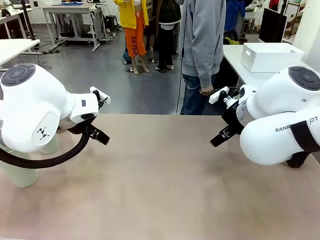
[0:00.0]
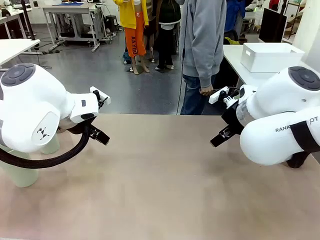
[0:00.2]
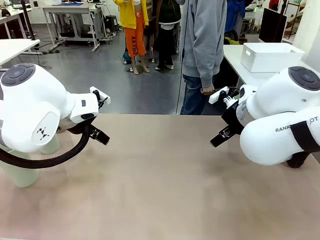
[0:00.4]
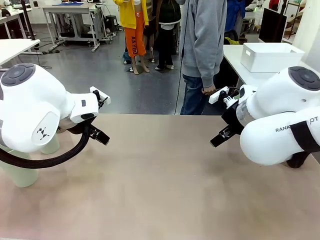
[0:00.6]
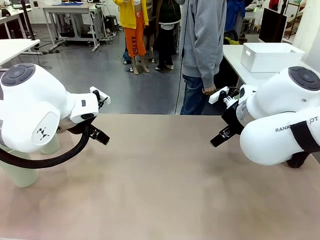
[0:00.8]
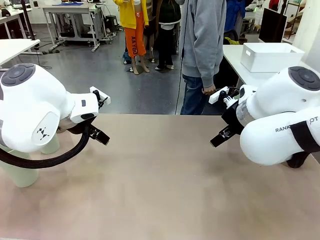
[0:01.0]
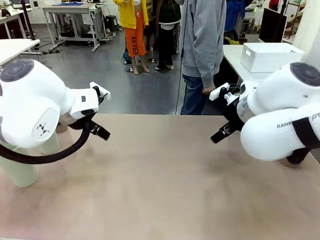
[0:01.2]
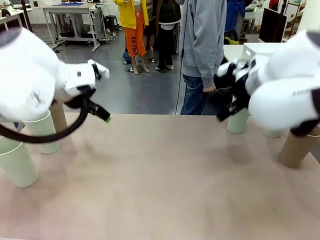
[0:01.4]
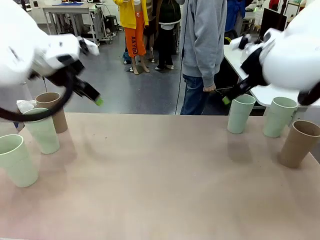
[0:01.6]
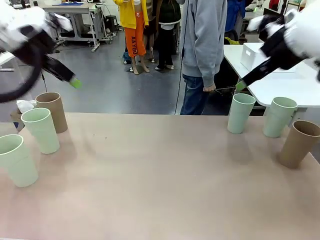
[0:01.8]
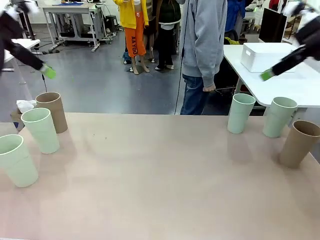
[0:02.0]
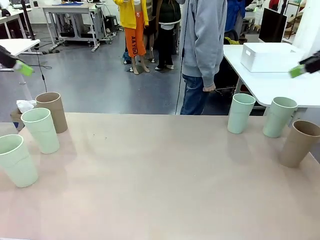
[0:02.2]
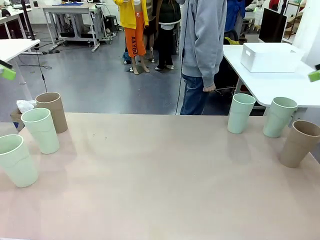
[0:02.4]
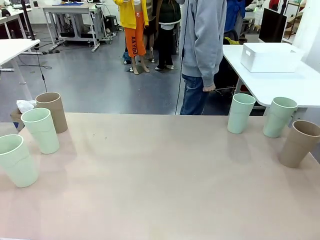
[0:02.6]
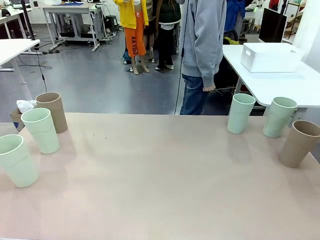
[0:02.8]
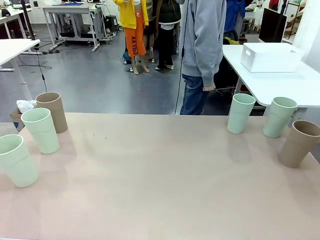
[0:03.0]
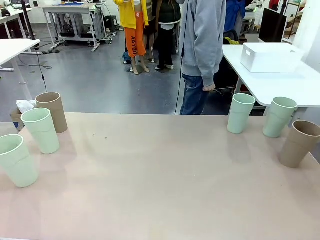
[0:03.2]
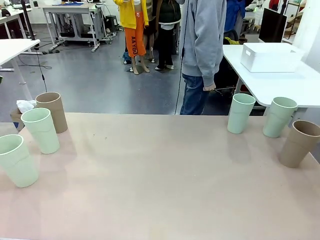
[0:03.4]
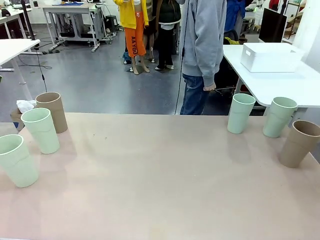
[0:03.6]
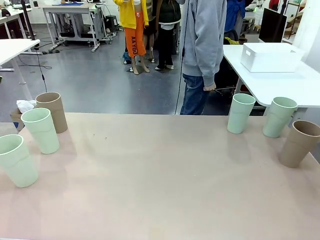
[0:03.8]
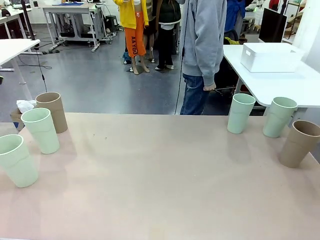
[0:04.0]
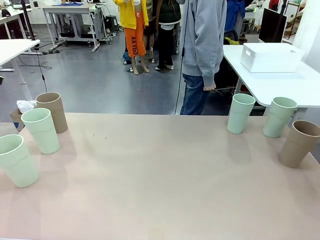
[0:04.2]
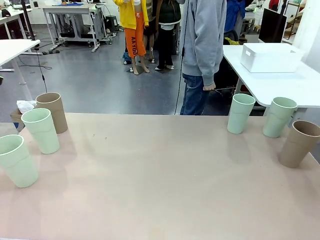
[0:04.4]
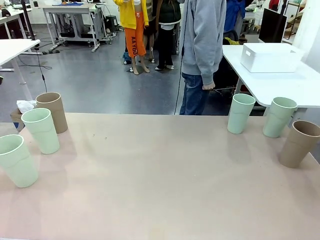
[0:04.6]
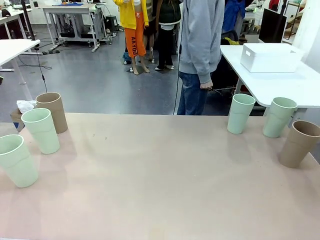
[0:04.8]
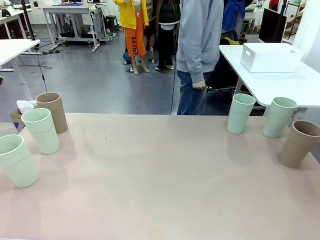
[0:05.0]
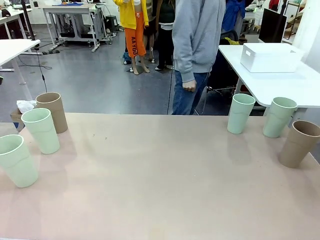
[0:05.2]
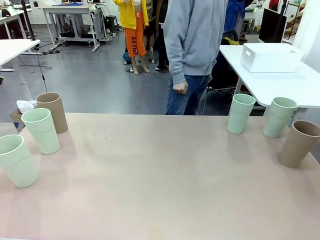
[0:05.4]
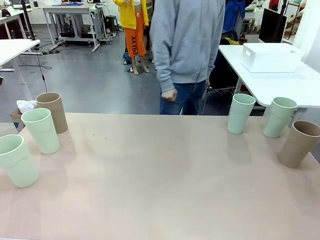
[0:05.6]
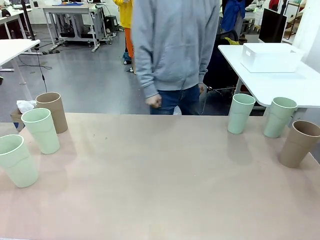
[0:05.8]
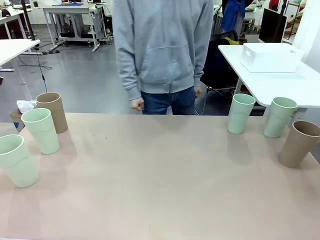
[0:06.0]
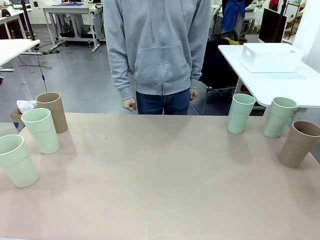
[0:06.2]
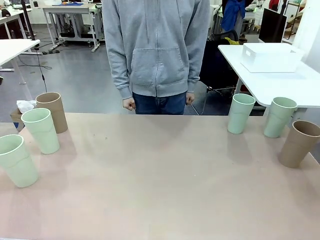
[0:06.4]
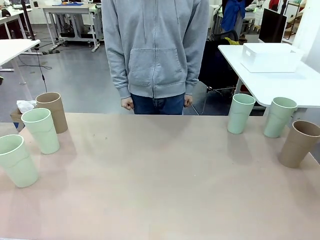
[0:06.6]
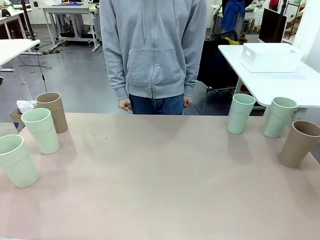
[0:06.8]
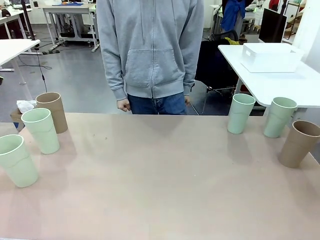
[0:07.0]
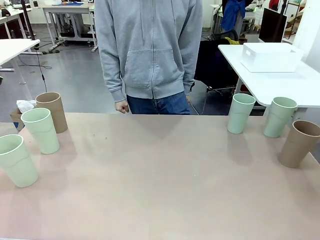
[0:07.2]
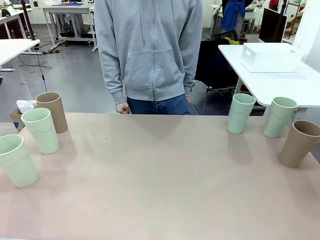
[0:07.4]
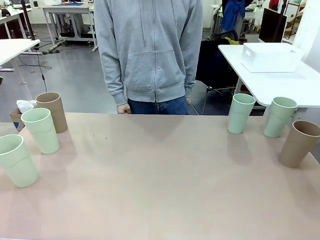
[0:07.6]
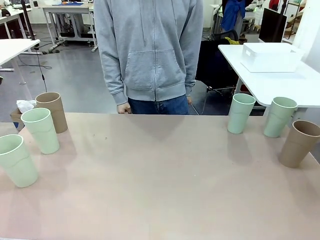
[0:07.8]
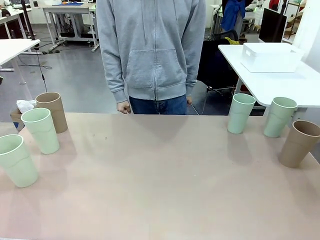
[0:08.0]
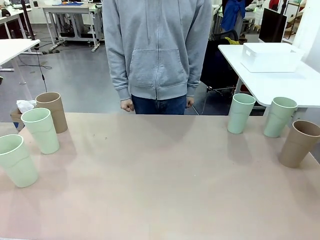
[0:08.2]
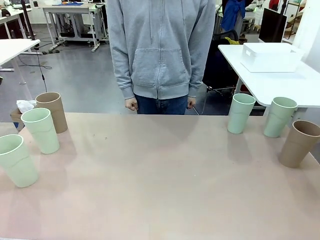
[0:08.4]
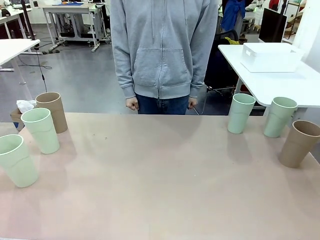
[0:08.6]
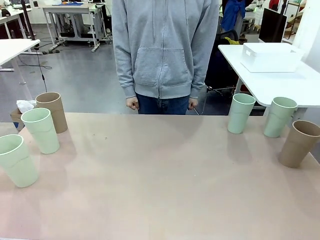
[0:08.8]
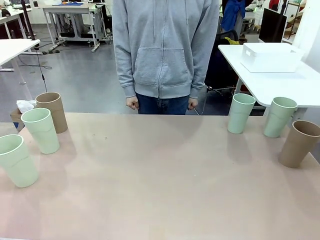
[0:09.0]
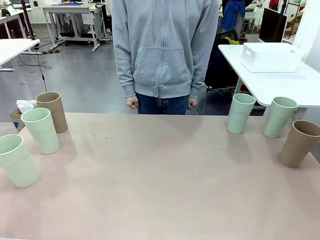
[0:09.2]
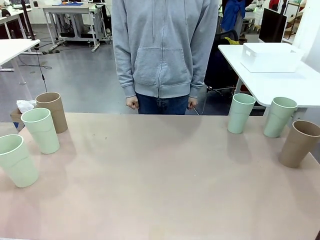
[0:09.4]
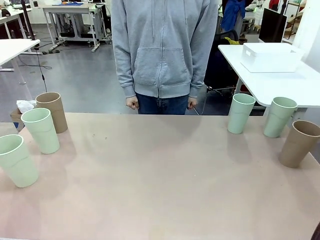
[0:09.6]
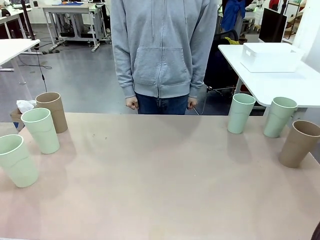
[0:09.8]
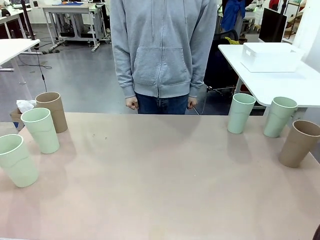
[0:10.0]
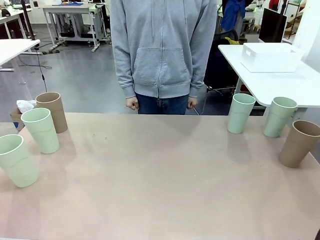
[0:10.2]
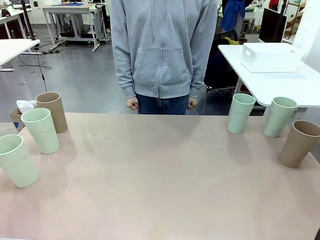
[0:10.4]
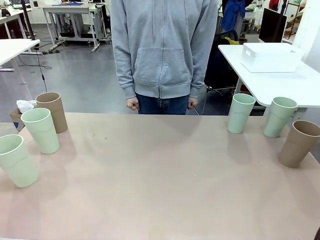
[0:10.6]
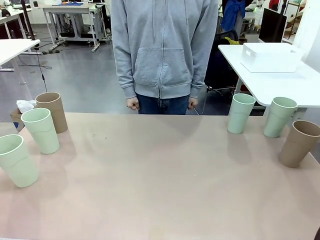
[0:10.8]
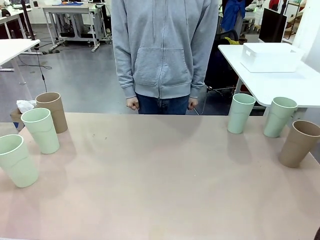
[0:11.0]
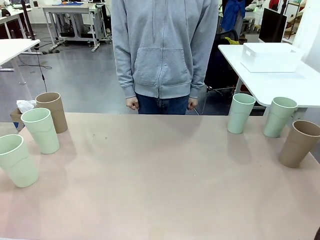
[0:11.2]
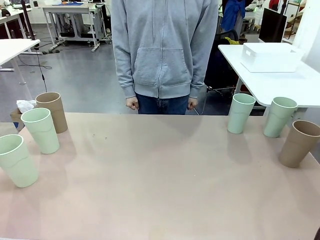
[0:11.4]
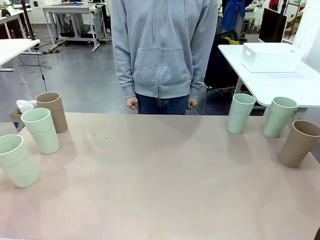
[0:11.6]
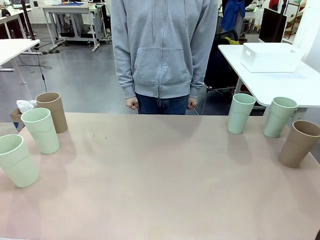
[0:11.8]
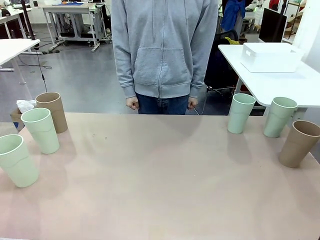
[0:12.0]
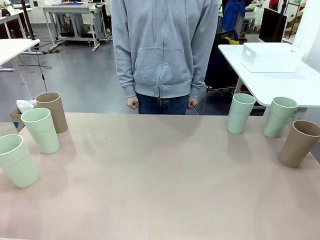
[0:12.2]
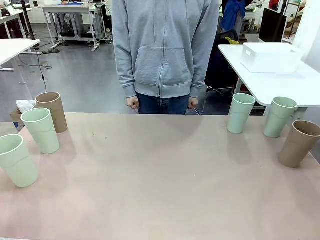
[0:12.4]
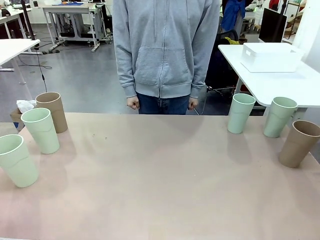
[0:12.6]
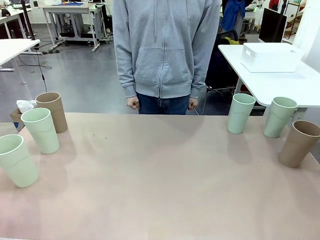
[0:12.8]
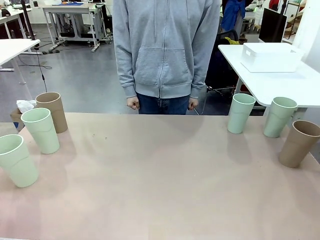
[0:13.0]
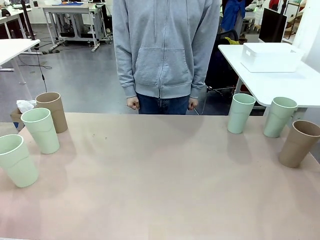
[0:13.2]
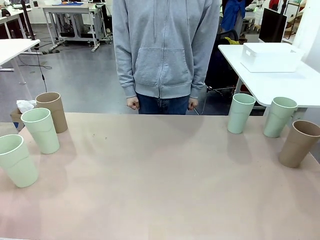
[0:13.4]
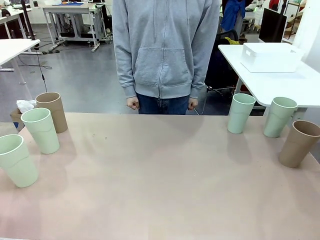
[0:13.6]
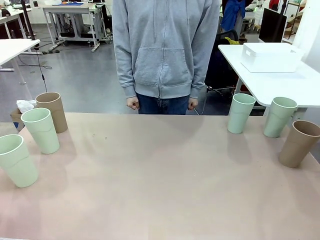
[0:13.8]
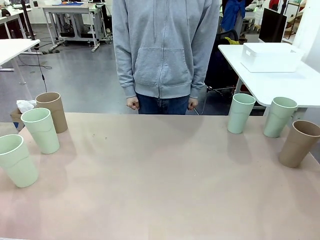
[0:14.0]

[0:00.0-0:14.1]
Task: Stack the cups and store them in the basket.
Robot: Pick up two Reusable plastic cups , one in each hand.
Person: Move from the Human Table to the front of the Robot Table.
